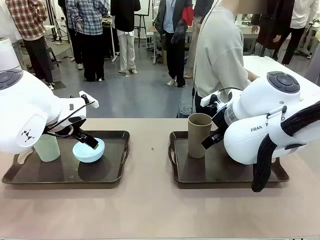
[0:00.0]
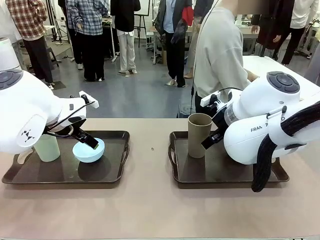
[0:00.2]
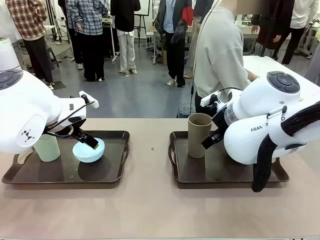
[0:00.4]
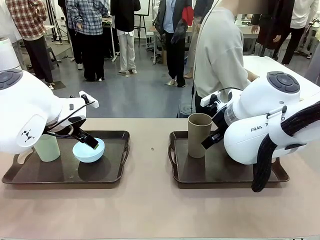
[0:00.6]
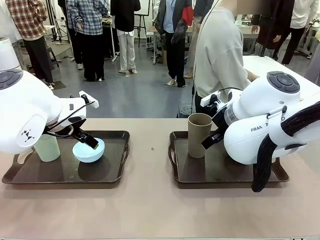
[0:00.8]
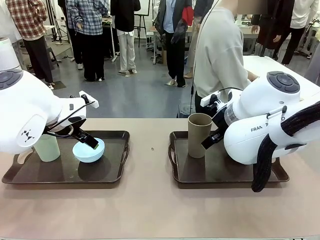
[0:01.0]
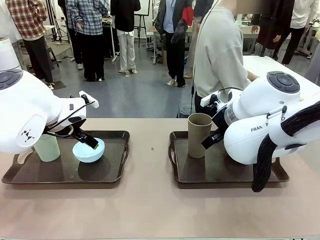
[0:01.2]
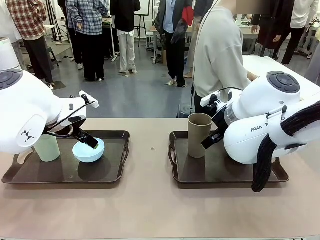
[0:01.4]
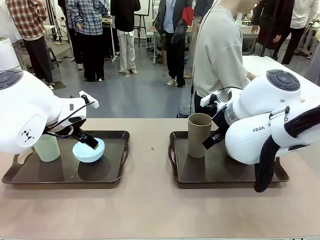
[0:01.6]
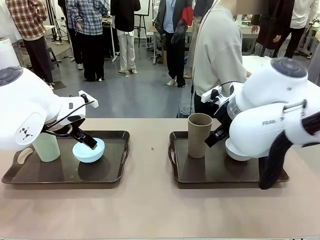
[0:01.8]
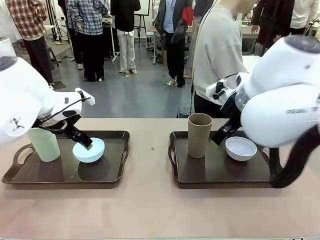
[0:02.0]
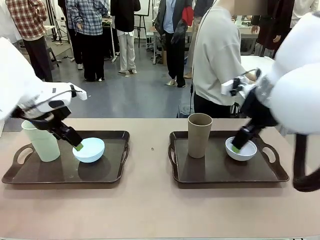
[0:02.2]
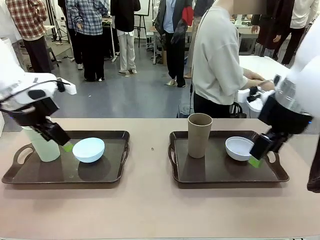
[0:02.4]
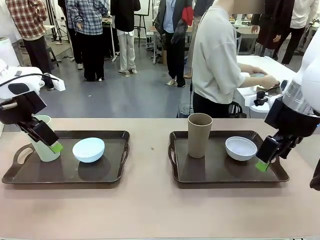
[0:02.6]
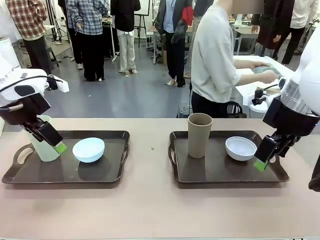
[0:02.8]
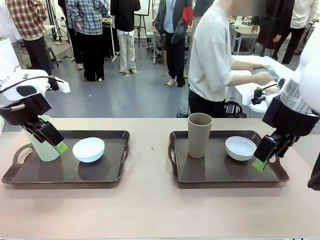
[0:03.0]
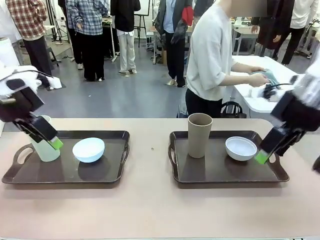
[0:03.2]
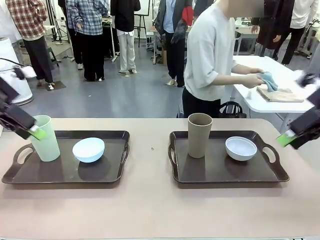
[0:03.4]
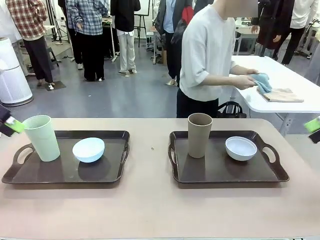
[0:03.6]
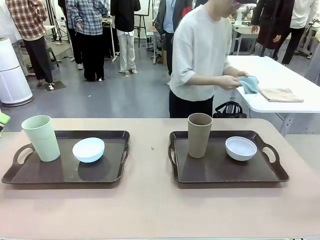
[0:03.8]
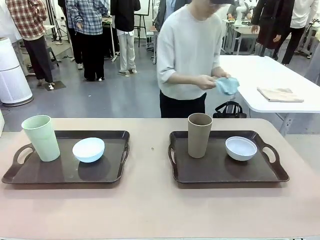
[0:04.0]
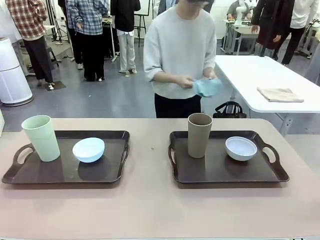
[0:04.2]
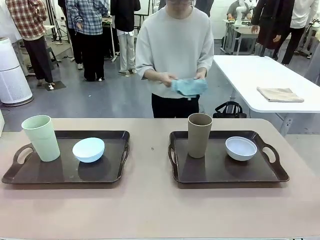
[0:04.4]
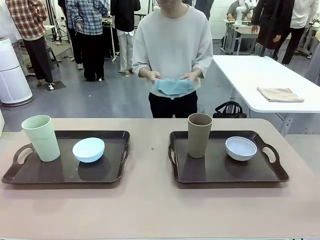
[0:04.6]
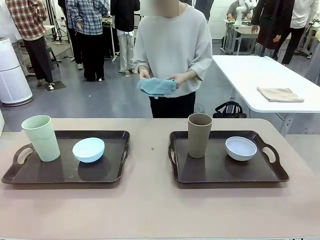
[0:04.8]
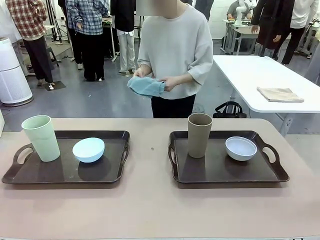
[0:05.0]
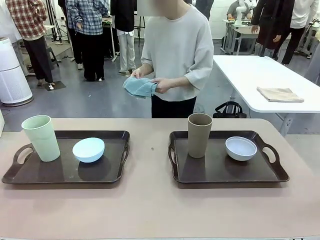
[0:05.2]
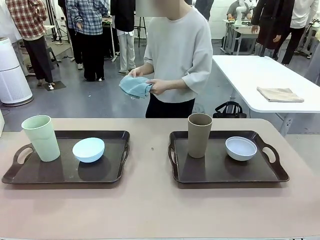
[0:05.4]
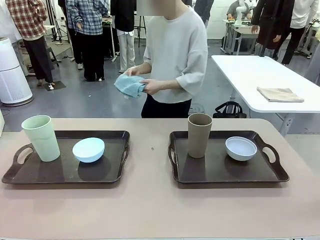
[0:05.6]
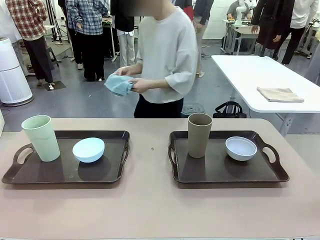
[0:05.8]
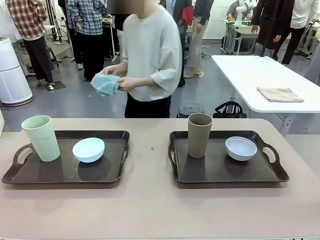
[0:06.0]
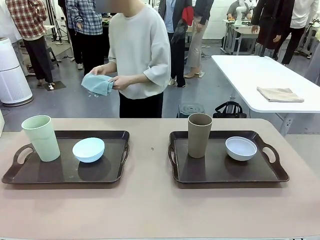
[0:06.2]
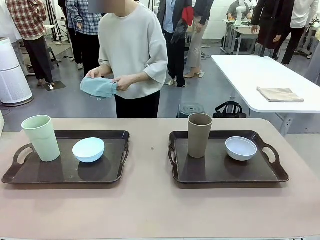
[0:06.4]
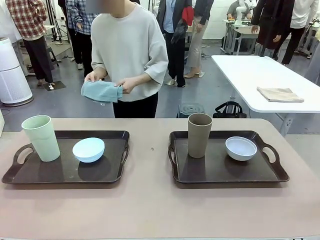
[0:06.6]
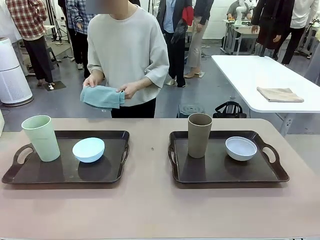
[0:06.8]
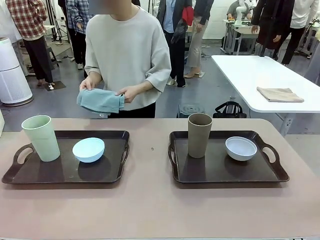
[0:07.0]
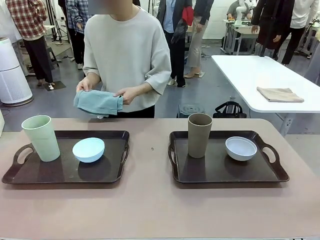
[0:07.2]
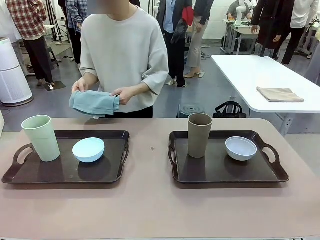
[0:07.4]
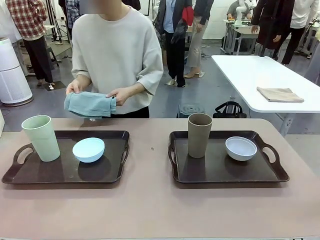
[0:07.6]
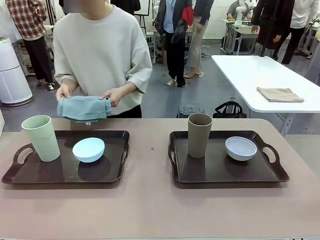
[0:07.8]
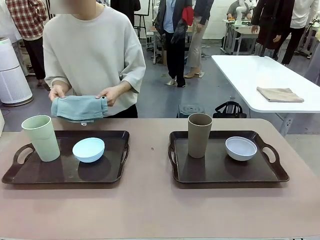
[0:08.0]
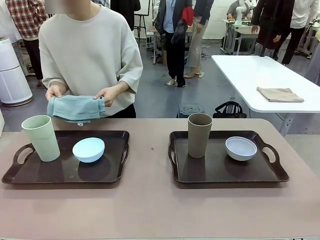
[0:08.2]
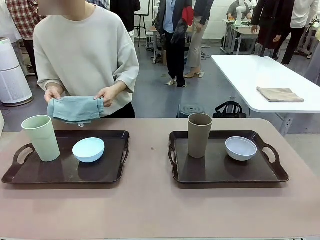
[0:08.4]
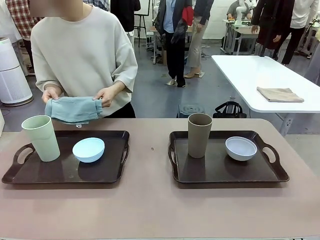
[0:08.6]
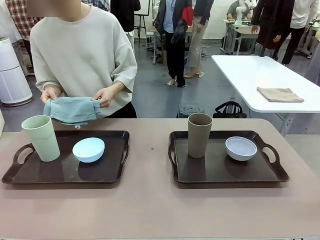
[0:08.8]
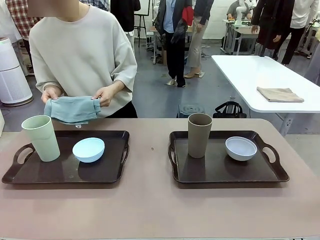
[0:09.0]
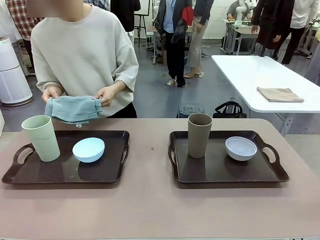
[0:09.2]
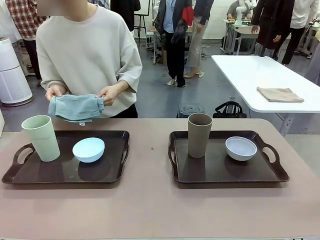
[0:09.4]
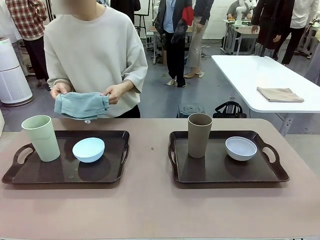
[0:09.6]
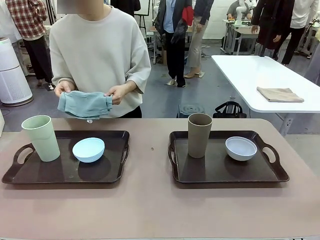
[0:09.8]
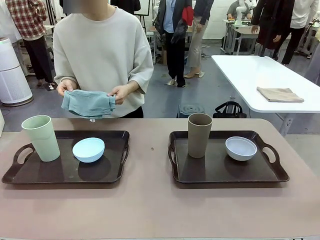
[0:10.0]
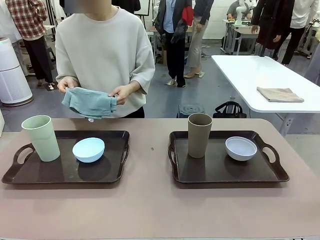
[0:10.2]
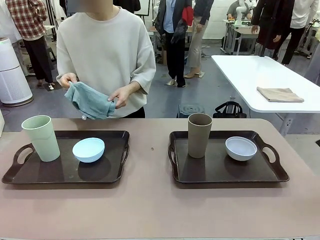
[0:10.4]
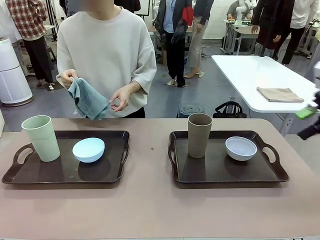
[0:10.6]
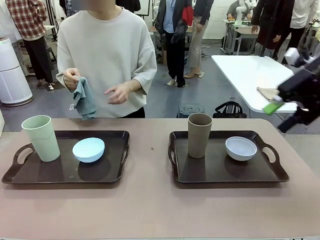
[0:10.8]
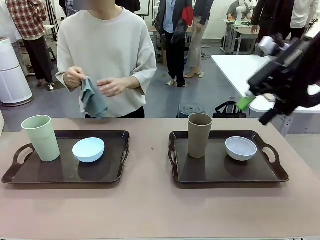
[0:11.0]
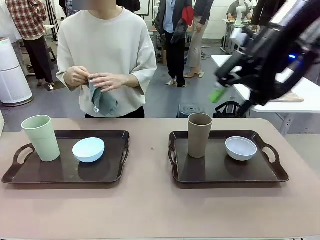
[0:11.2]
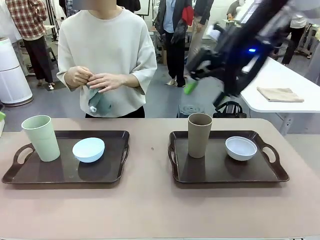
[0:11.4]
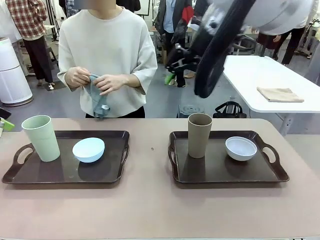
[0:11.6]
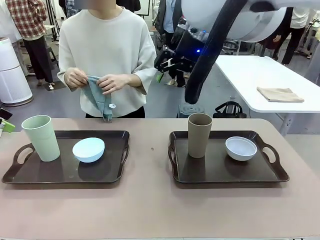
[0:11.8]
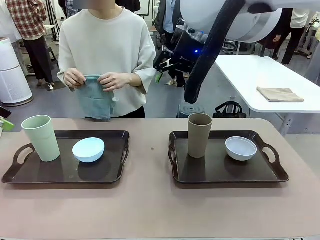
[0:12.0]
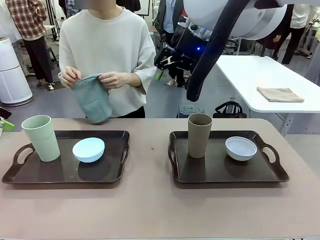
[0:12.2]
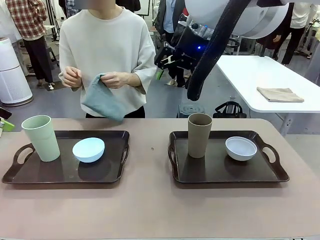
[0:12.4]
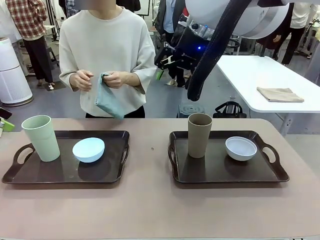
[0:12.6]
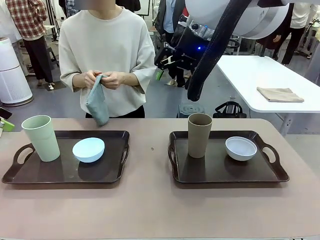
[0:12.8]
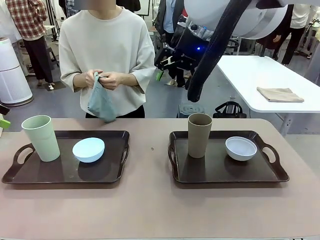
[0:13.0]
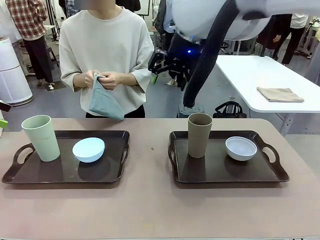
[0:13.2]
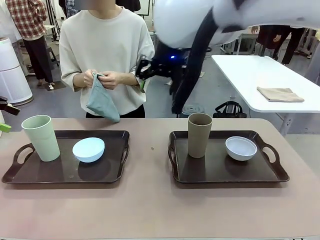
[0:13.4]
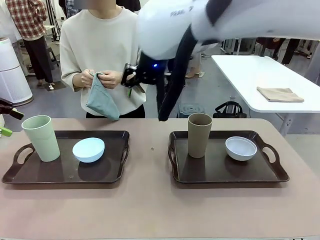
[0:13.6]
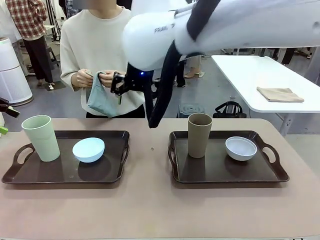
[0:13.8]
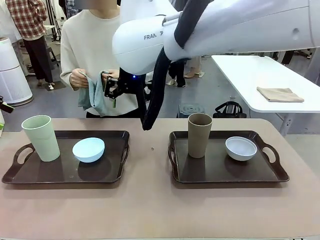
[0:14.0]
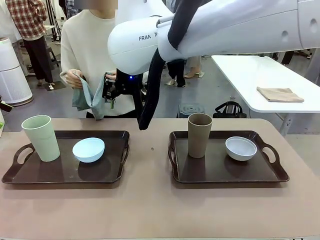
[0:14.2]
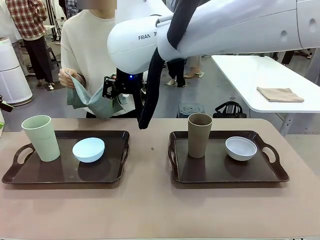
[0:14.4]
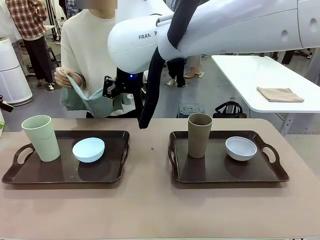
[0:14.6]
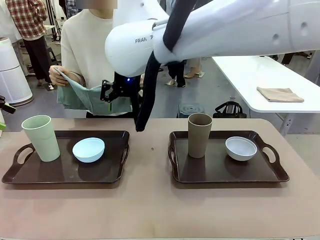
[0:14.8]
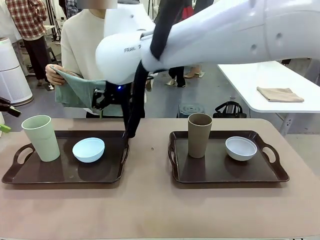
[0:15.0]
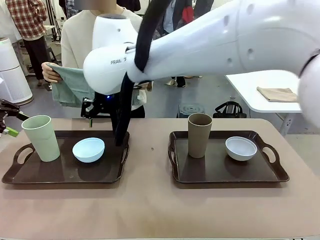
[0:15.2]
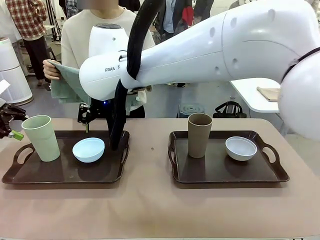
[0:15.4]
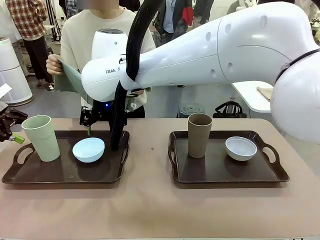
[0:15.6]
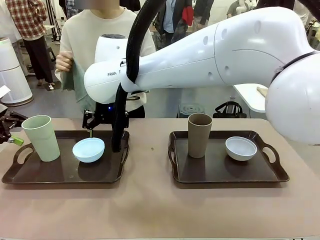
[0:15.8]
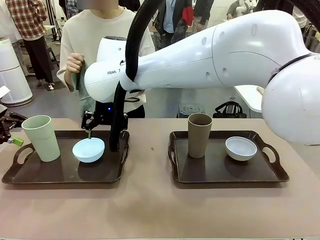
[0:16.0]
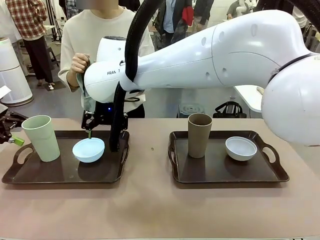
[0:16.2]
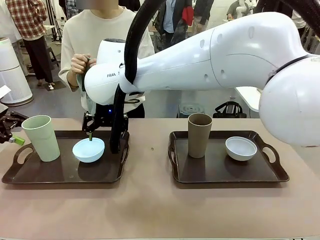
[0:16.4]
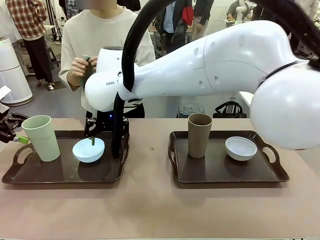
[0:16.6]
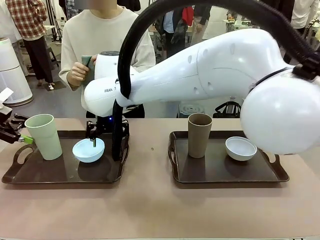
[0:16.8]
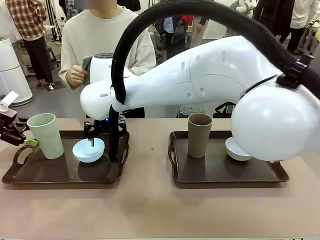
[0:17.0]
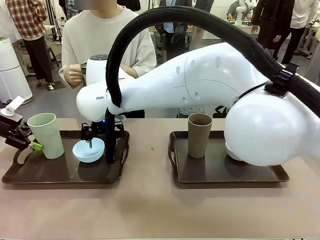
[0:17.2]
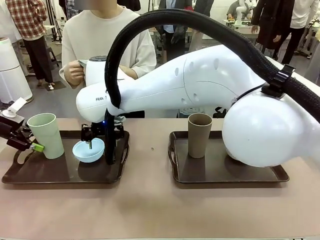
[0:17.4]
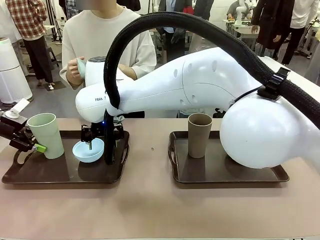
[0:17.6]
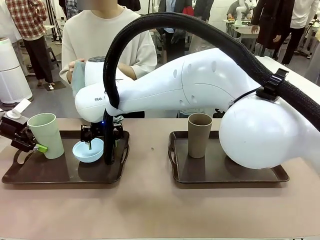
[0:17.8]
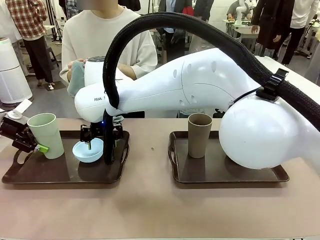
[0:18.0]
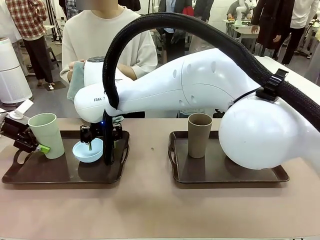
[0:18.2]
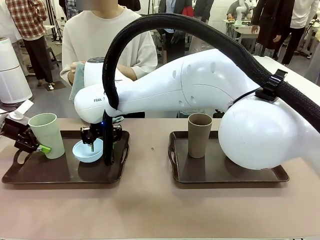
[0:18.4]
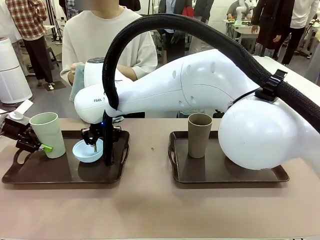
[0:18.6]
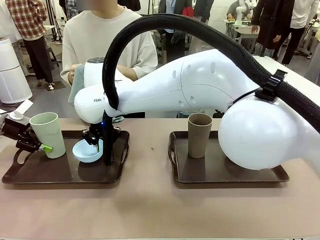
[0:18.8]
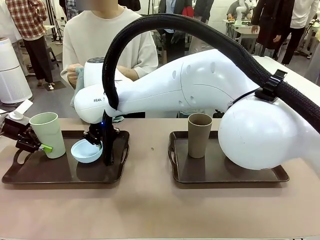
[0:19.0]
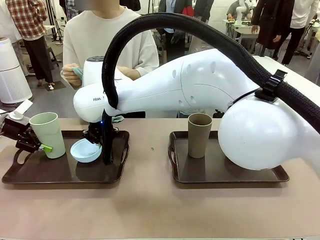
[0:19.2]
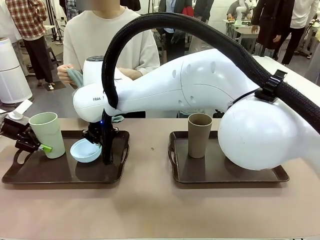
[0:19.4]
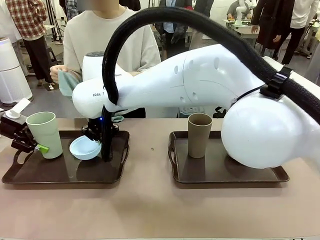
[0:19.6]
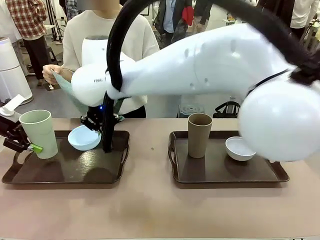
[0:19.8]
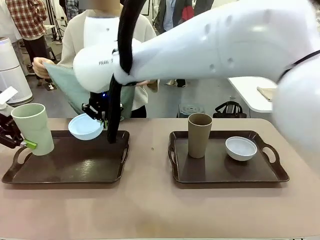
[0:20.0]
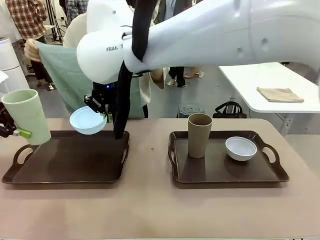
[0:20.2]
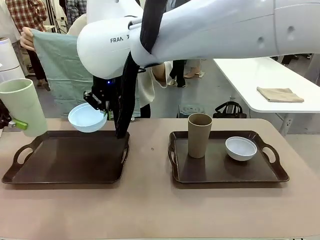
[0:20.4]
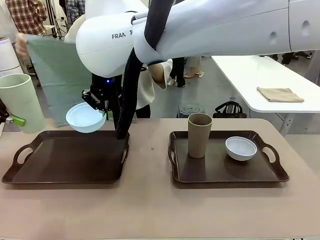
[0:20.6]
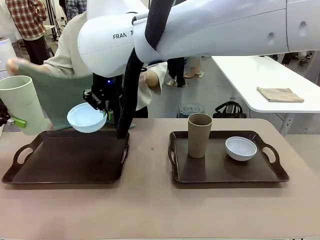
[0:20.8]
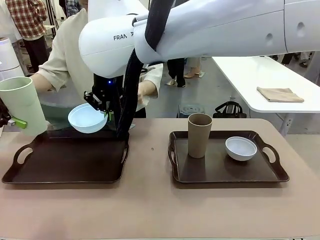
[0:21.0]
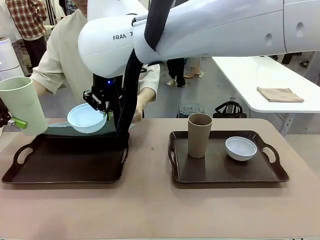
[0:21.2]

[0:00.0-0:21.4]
Robot: Pick up the Picnic Bowl and Reusable plastic cup from the Handle tray in front of the human's position and hold them in the air.
Person: The human picks up the top napkin from the stack on the human table and walks to the robot table to stand in front of one of the two trays. When the robot lifts the bowl and the cup, the human unfolds the napkin and lays the napkin flat on the tray.
